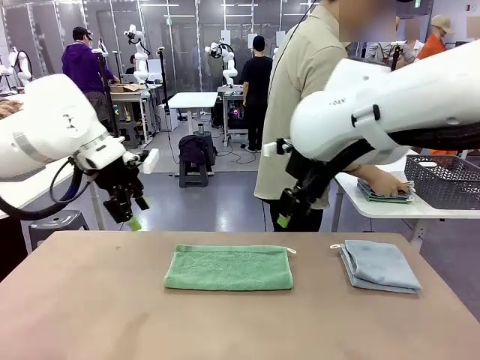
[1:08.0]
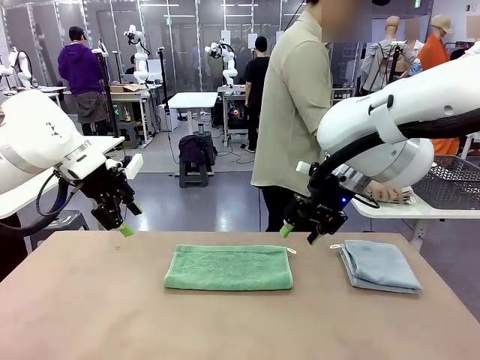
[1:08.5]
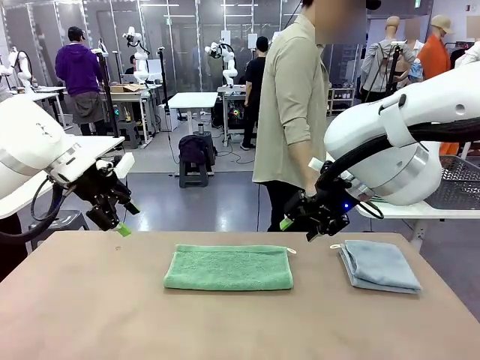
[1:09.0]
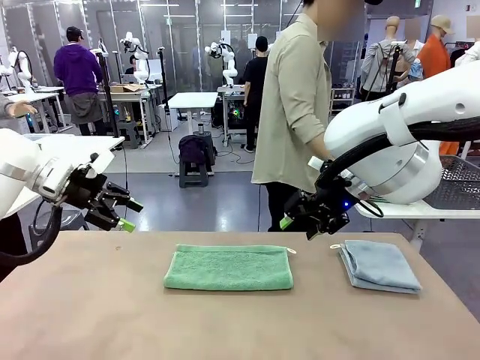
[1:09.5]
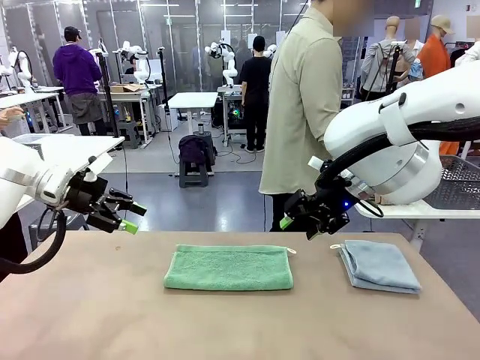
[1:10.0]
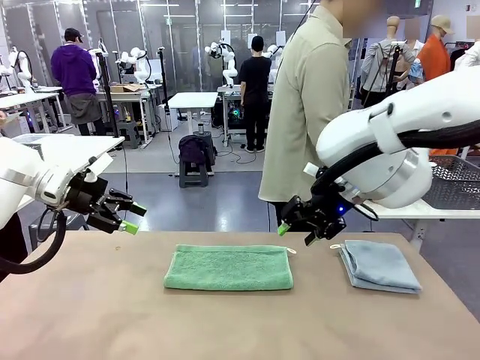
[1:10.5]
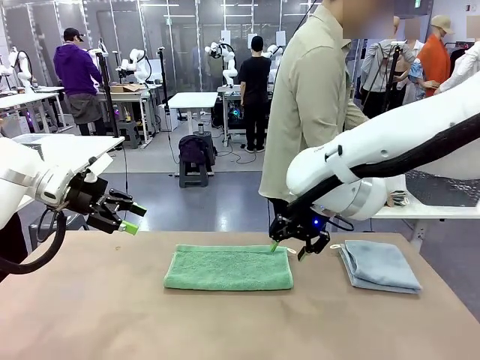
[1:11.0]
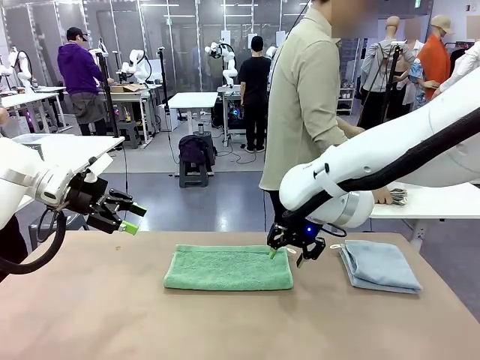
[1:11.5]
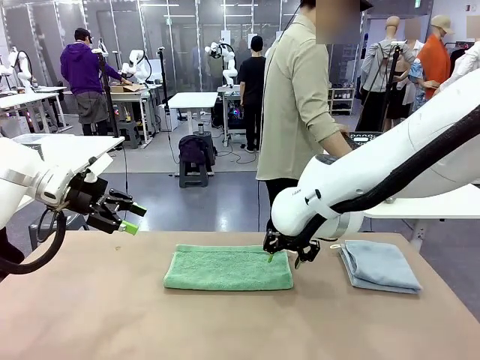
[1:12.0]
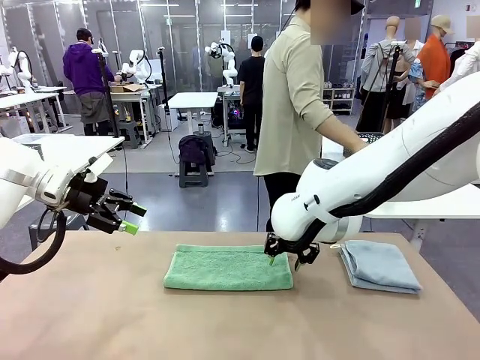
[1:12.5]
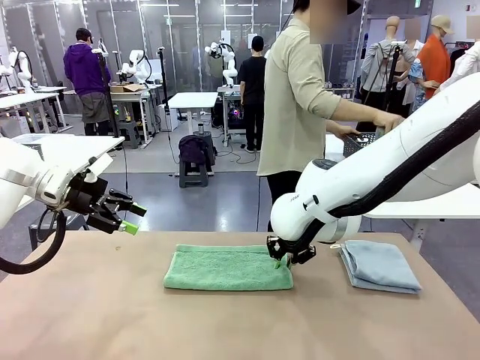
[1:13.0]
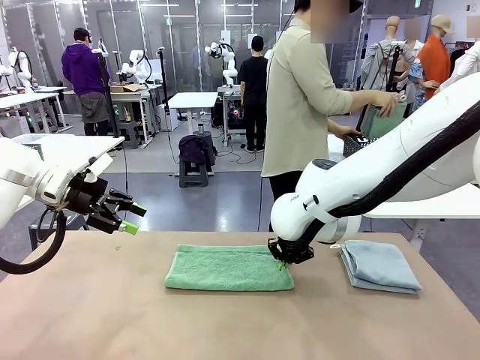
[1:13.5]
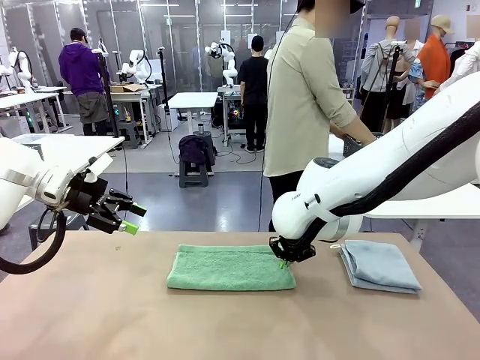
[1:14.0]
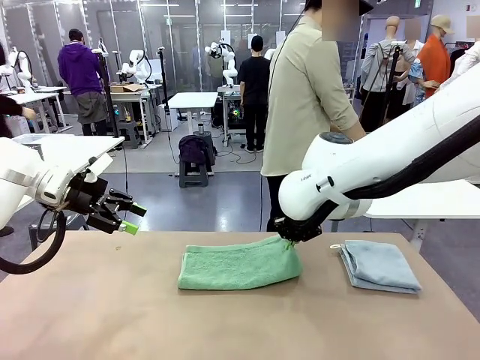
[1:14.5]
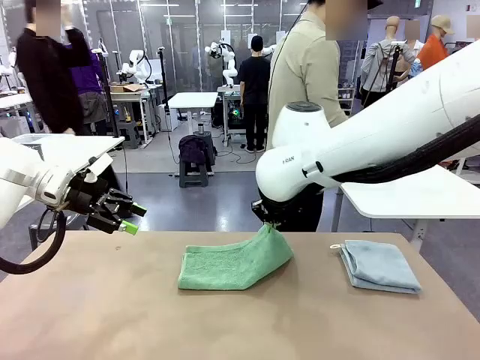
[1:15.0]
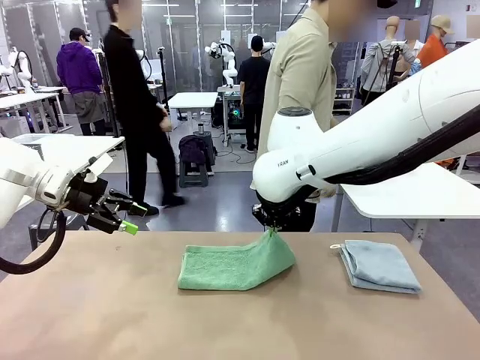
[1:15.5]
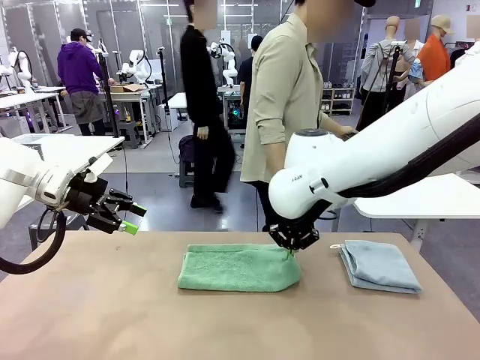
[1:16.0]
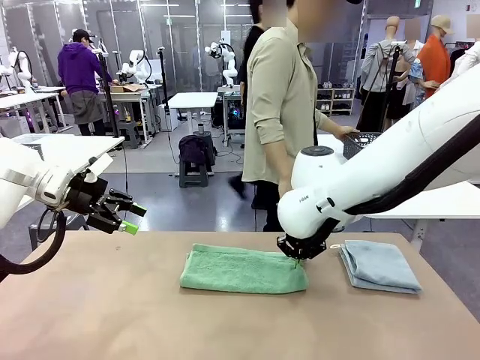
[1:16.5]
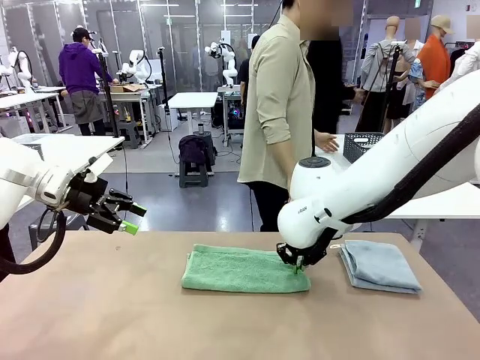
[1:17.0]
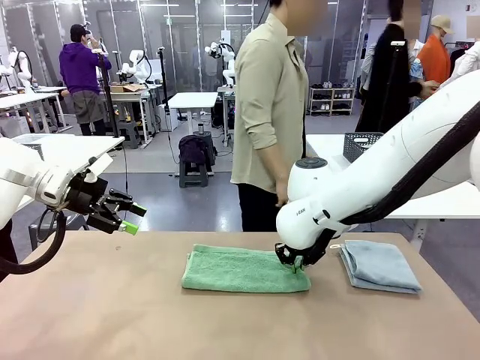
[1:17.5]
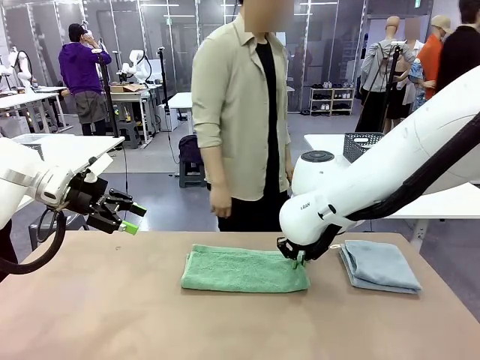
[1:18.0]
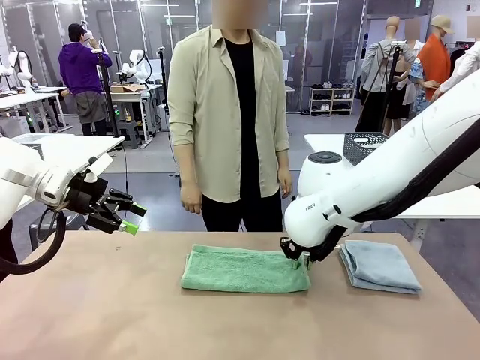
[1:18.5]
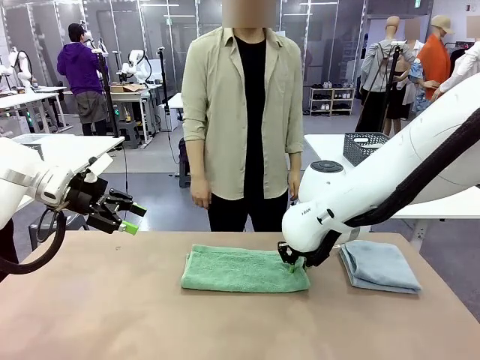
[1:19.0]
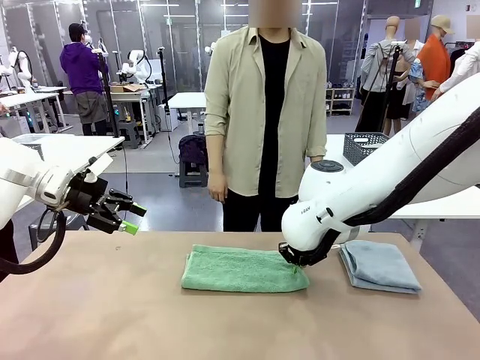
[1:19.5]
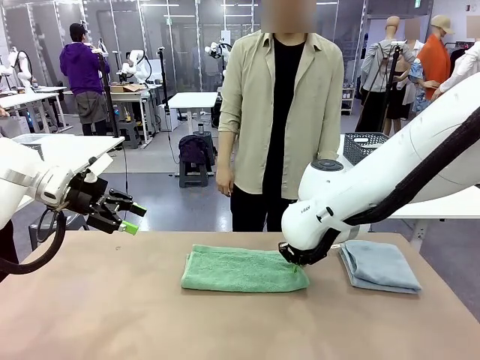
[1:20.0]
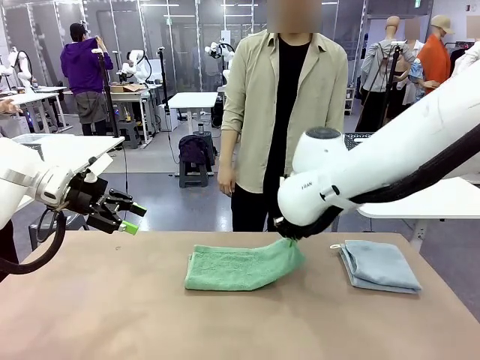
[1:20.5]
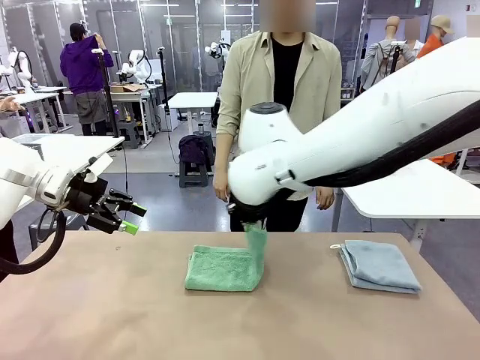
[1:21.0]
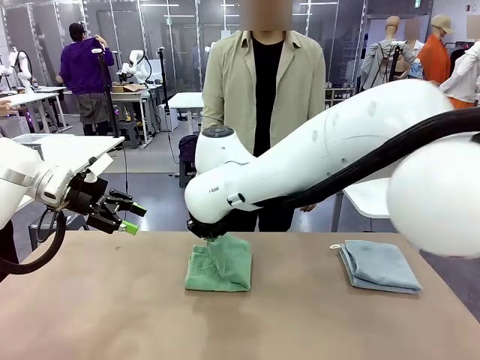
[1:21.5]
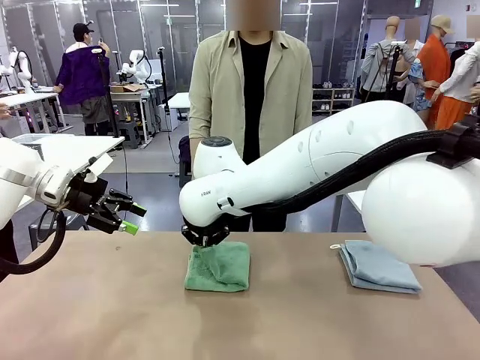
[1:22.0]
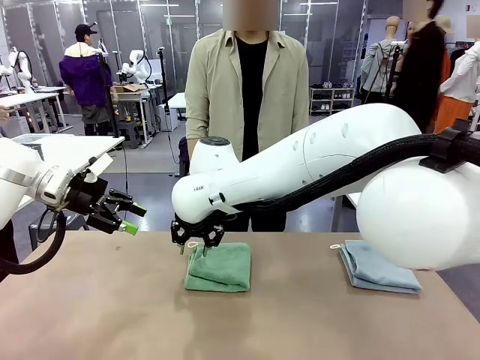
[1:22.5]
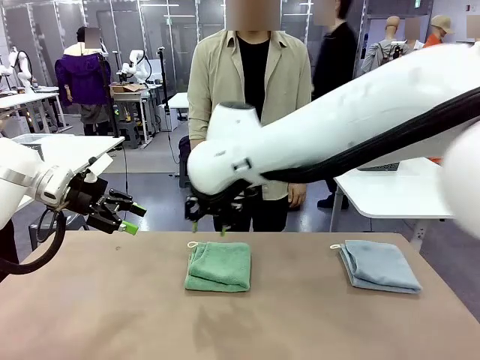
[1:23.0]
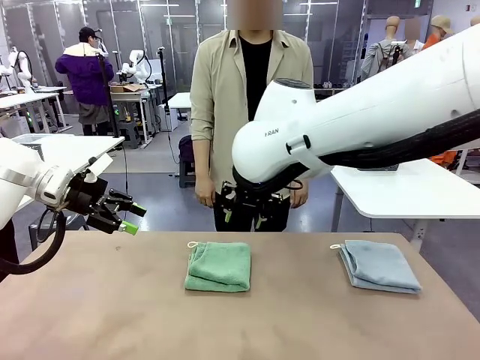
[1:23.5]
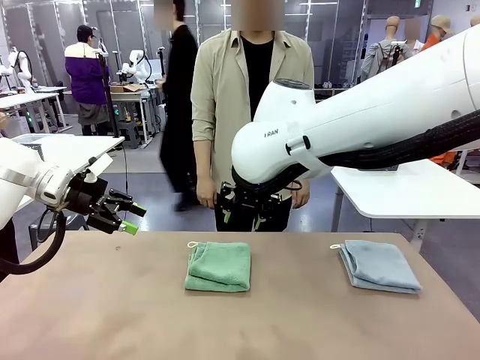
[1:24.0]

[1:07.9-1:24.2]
Task: Fold the towels and place them in the basket.
Robot: When a person lays out a Towel with hook on the table, fold it in half twice.
Person: Pick up the stack of towels from the right side of the human table, place it into the basket, and put the basket at the center of the table.

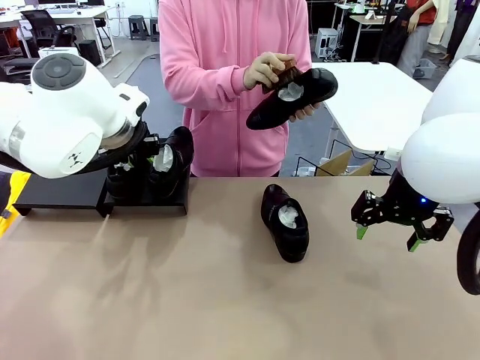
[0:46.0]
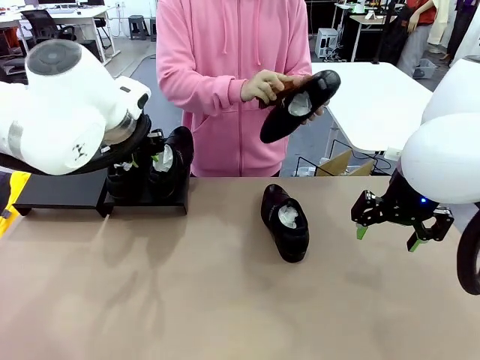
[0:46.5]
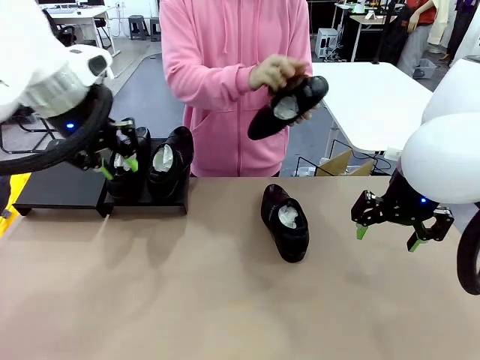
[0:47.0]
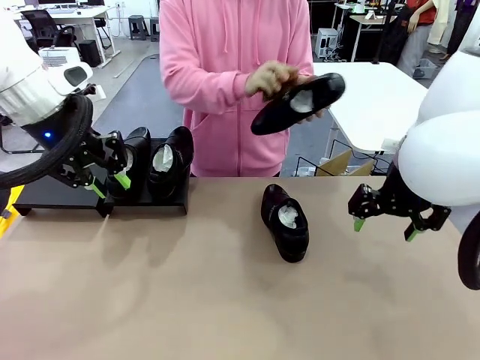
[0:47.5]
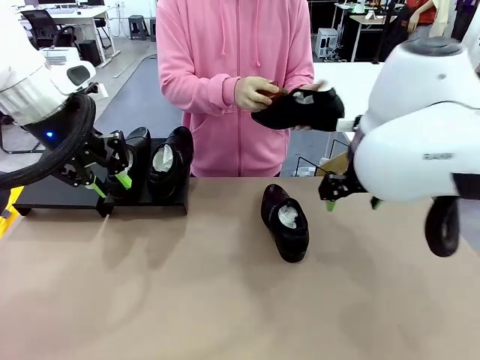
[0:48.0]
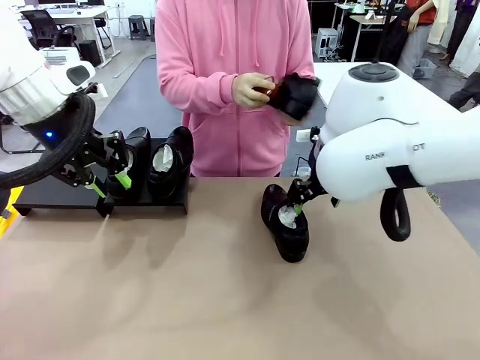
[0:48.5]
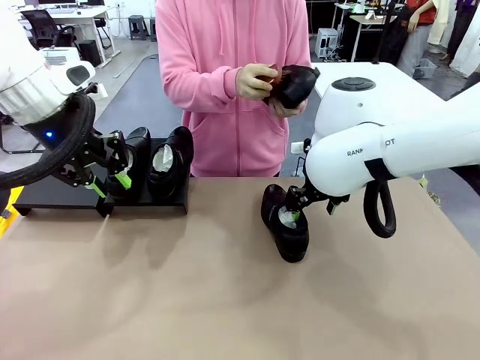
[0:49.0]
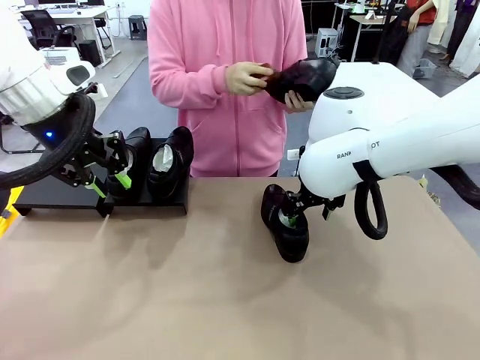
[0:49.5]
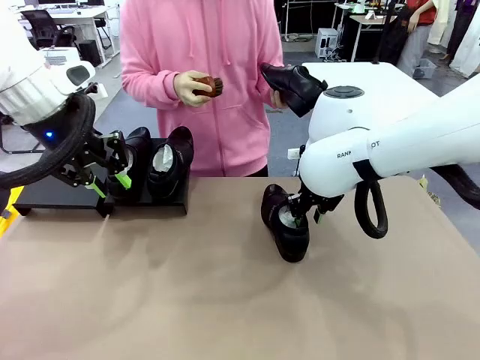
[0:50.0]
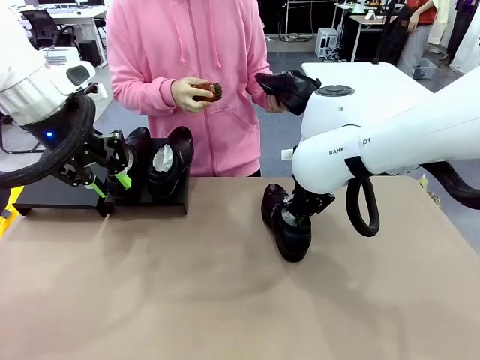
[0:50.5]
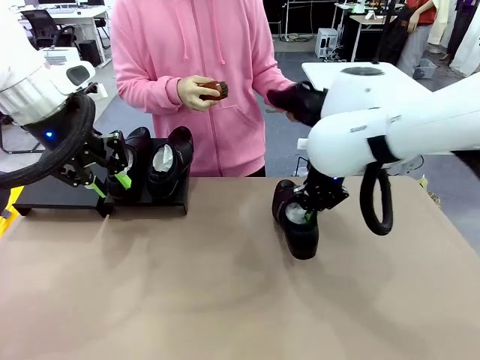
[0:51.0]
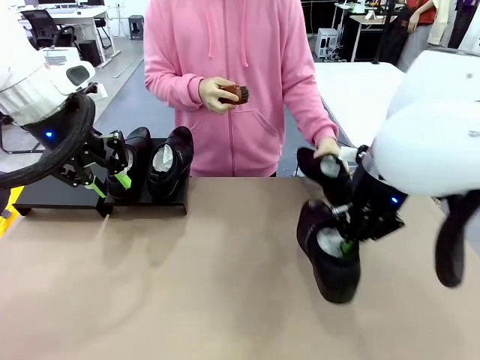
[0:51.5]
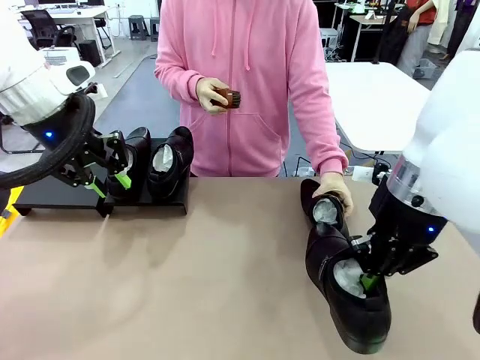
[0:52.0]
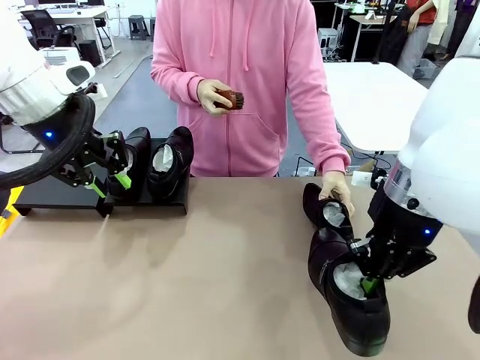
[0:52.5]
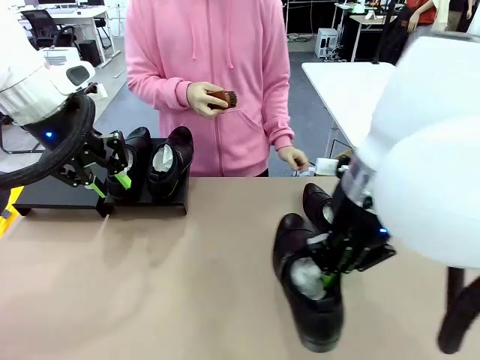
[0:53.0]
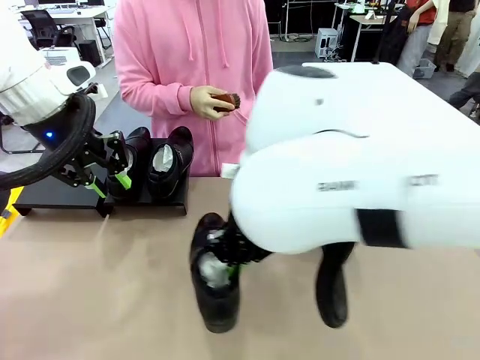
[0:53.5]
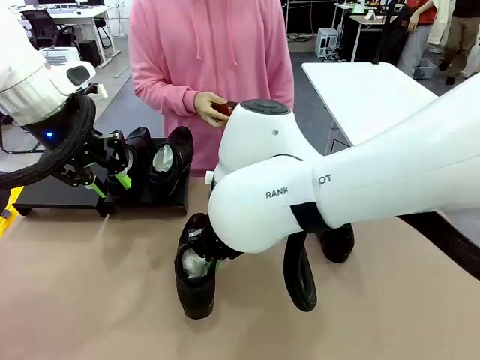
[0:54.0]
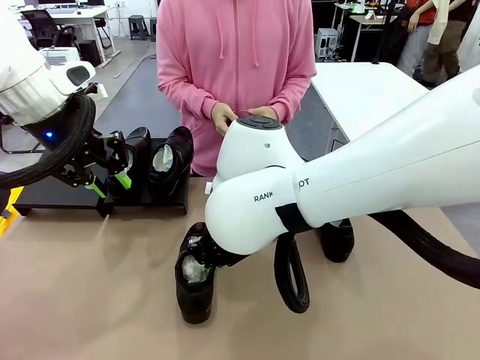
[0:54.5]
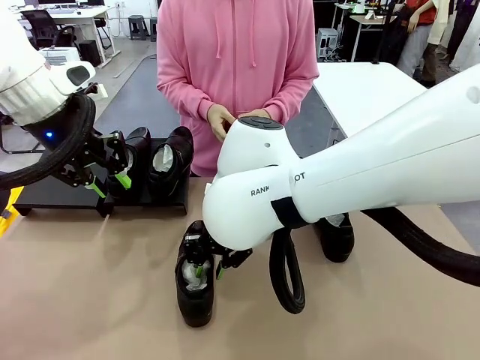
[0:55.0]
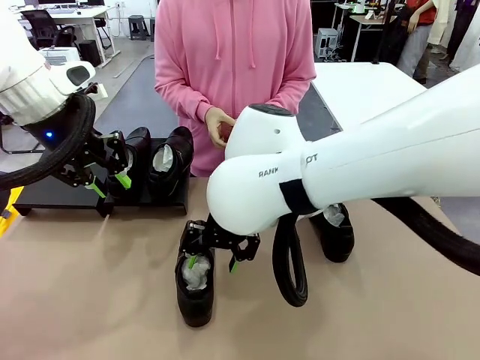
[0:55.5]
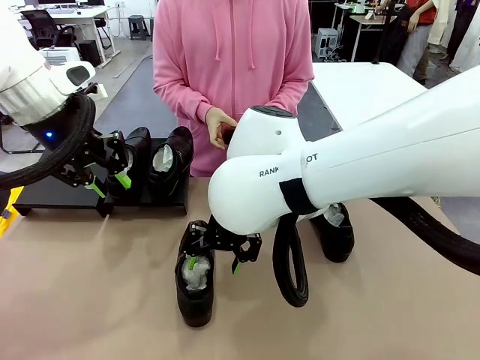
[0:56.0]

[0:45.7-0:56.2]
Task: Organize the shoes by placing them on the stand.
Robot: Pick up one Shoe and place it in the middle of the table.
